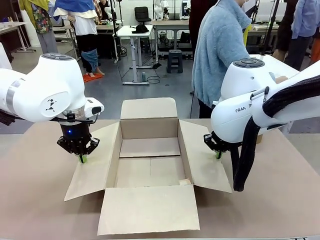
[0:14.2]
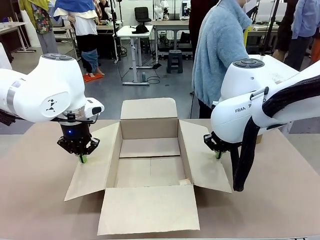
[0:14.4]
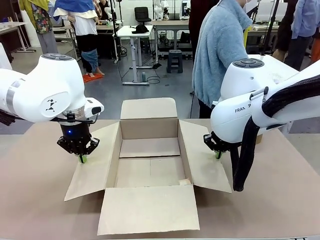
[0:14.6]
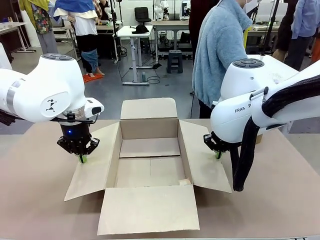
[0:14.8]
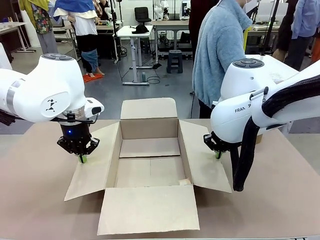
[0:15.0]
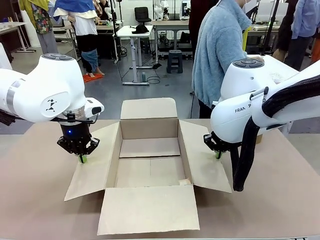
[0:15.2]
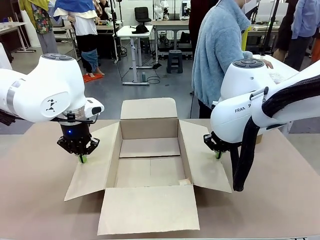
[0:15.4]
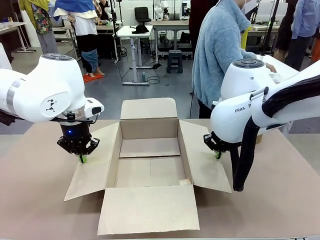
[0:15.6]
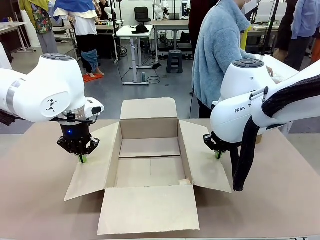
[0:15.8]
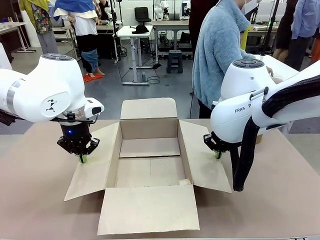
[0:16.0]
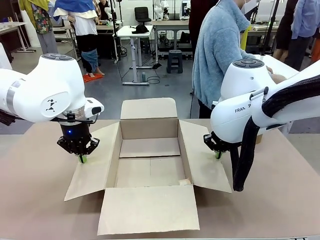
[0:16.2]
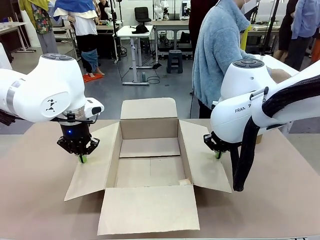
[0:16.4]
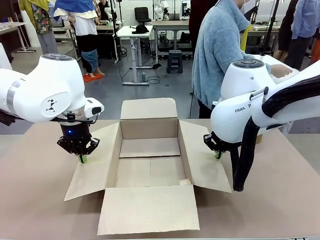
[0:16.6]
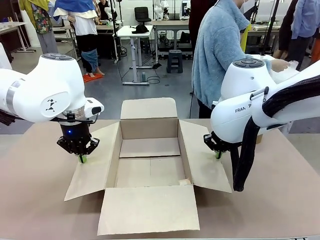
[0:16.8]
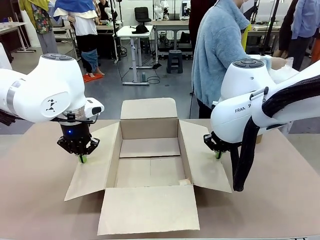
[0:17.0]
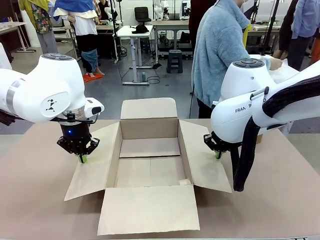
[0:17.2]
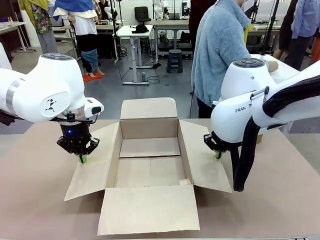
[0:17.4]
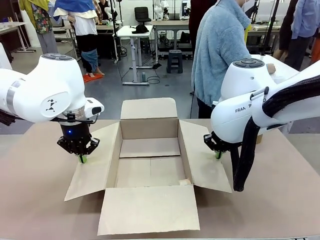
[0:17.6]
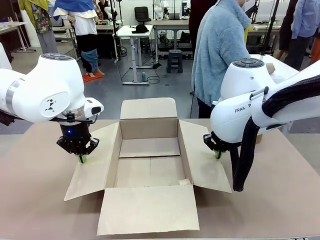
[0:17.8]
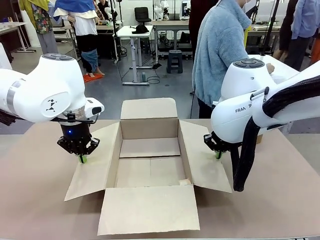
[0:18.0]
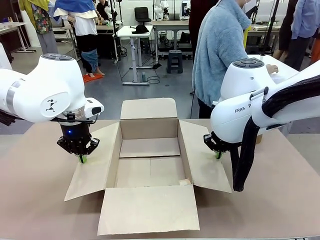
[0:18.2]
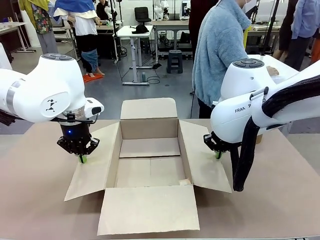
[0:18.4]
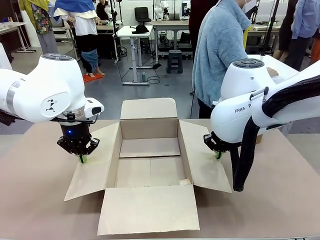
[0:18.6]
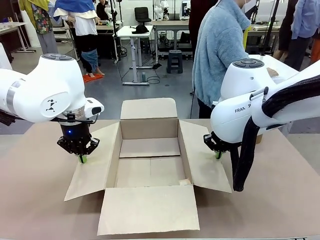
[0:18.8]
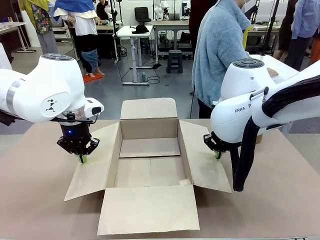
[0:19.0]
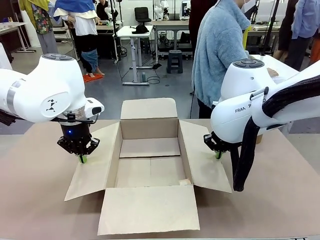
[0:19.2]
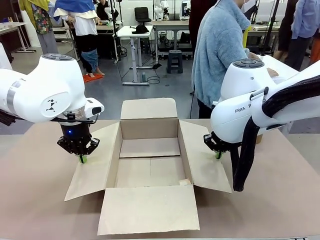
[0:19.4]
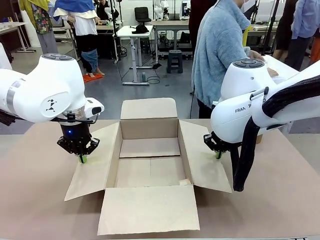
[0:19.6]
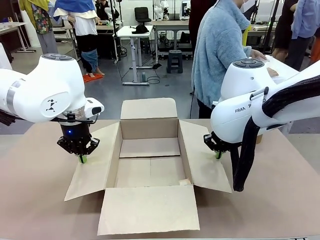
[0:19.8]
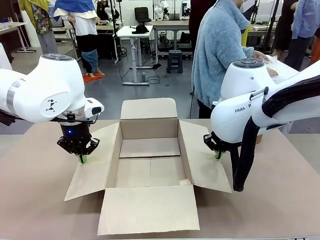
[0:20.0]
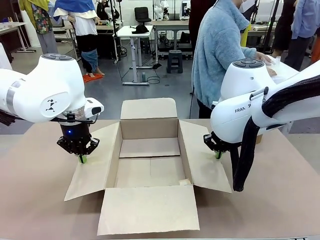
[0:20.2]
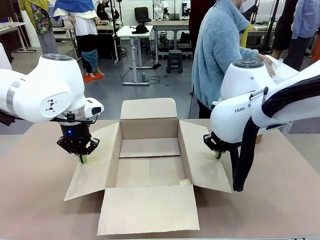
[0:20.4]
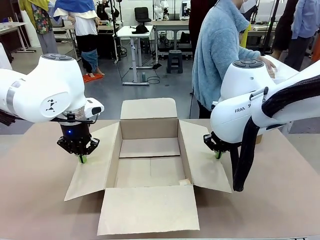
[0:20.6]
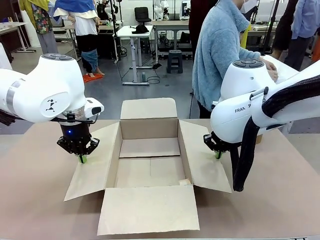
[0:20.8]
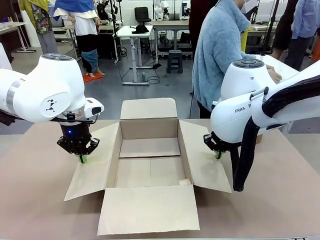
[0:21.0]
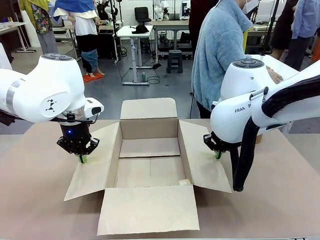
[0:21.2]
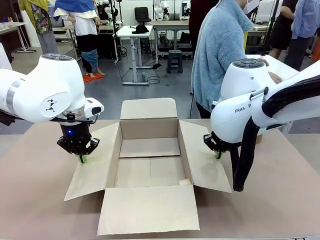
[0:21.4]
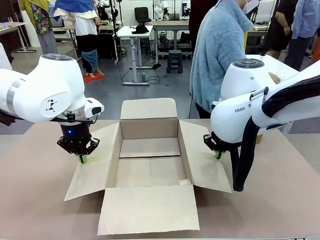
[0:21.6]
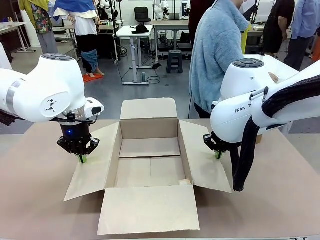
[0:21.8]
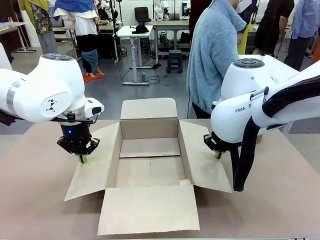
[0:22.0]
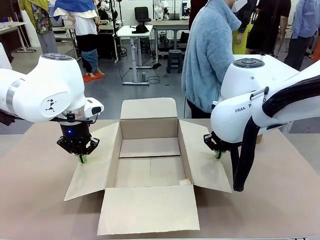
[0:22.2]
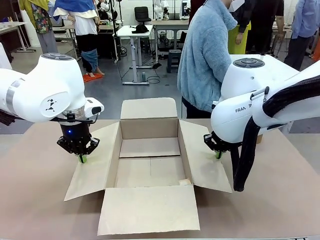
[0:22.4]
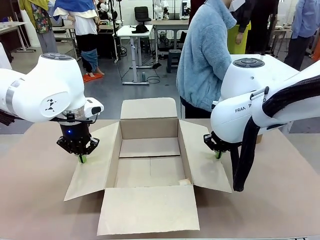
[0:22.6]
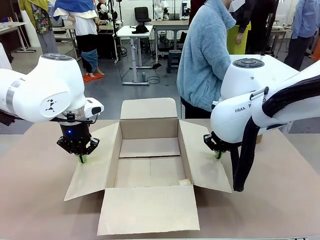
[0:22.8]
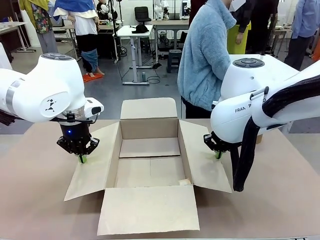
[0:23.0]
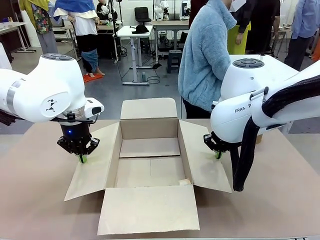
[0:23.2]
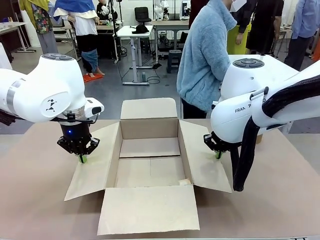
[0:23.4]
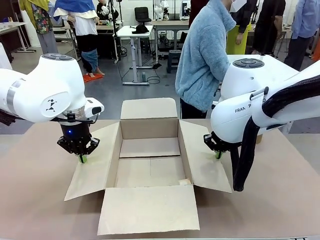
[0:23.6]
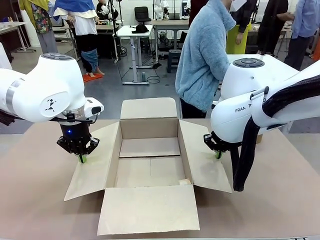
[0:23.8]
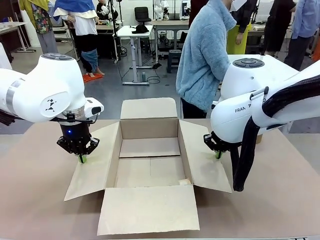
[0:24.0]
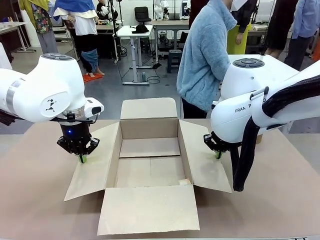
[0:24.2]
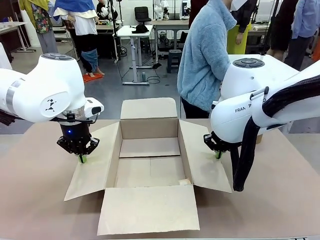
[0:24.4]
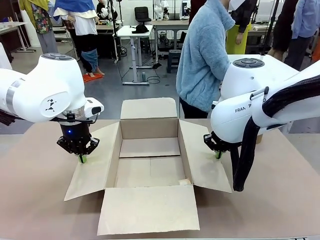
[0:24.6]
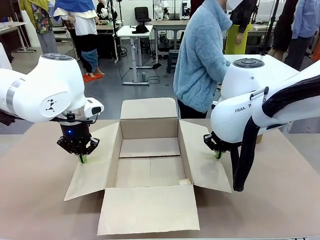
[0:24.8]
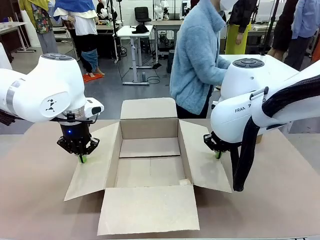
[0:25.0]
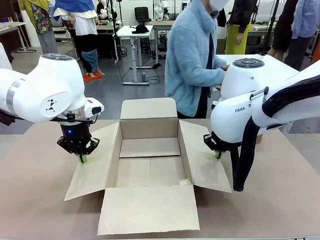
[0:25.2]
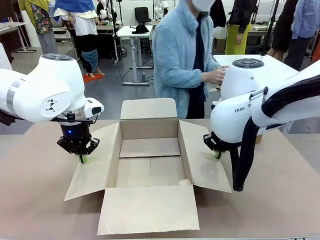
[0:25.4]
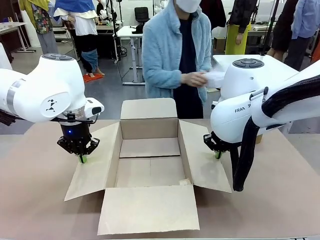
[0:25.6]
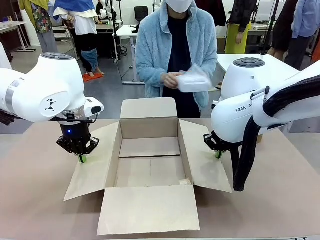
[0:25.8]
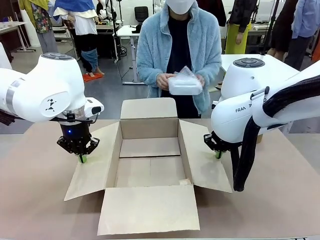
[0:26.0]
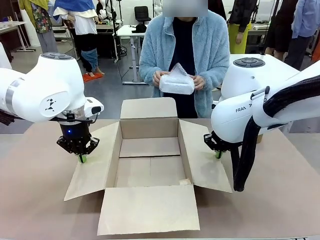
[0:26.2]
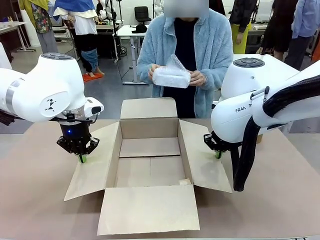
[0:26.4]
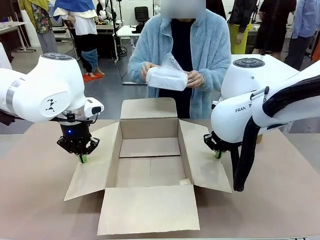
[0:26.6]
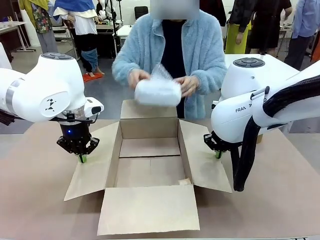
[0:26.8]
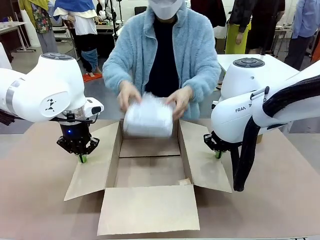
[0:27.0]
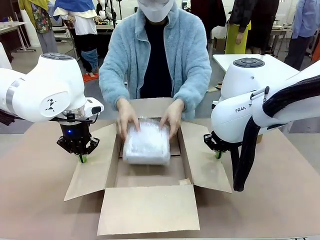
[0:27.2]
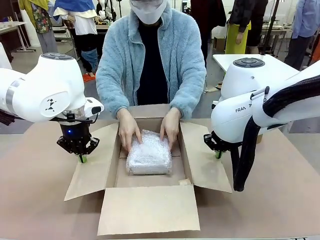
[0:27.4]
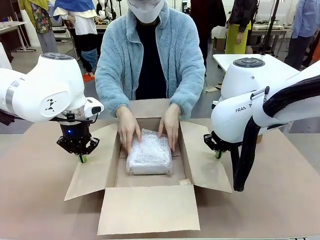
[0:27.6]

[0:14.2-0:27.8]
Task: Wrap the clocks to prevent damage.
Robot: Once the human has placed the objects inside and stepped back, release both hands from the side flaps of the Package Box.
Person: Place the wrapped Digital clocks inside the Package Box.
